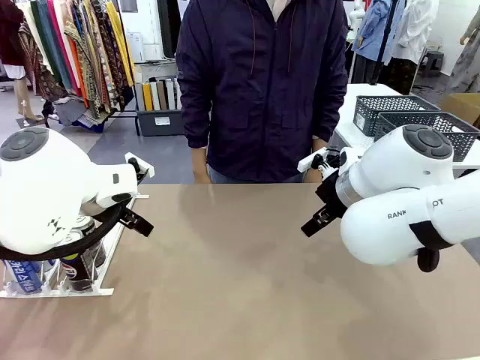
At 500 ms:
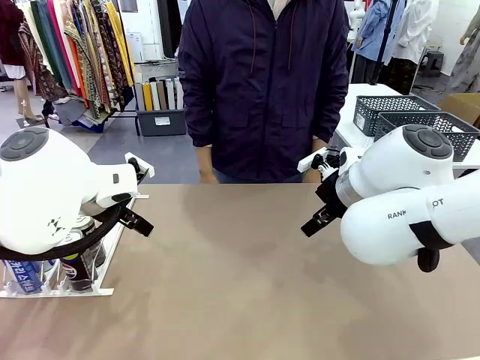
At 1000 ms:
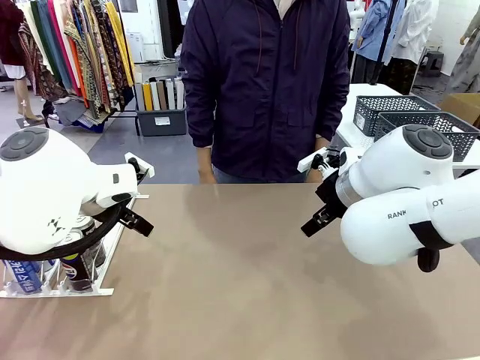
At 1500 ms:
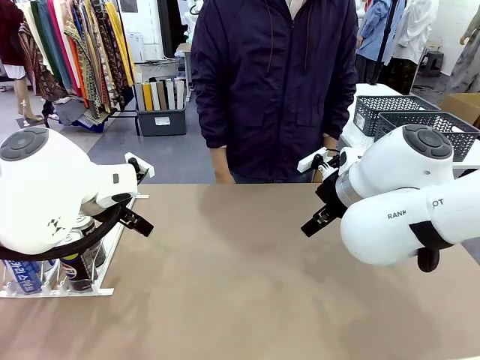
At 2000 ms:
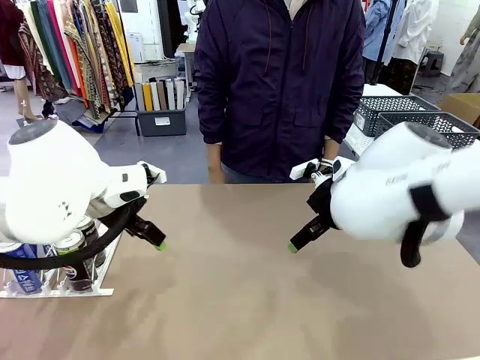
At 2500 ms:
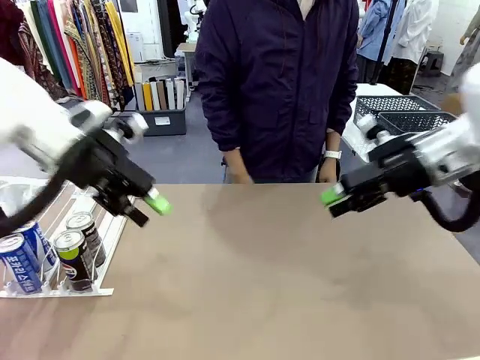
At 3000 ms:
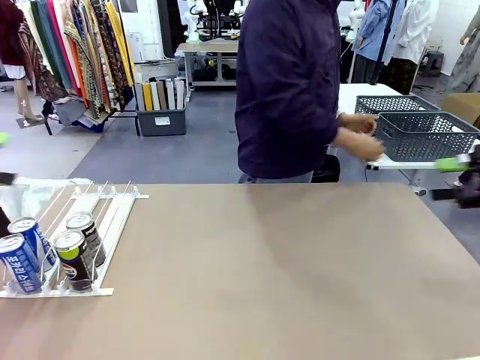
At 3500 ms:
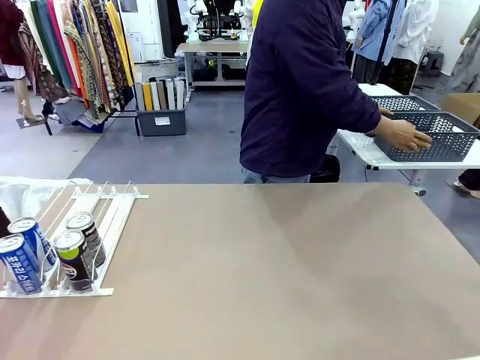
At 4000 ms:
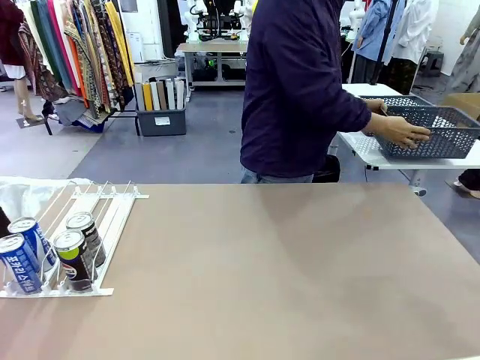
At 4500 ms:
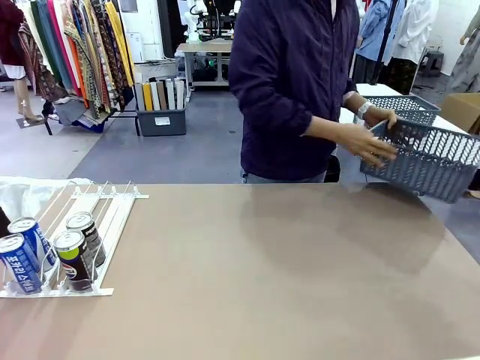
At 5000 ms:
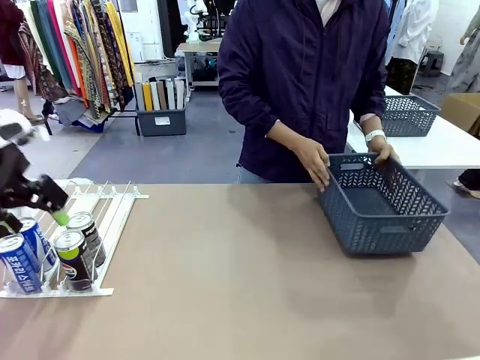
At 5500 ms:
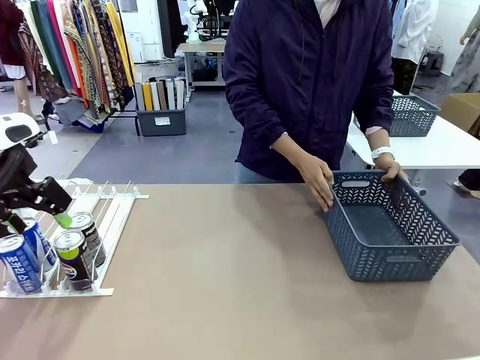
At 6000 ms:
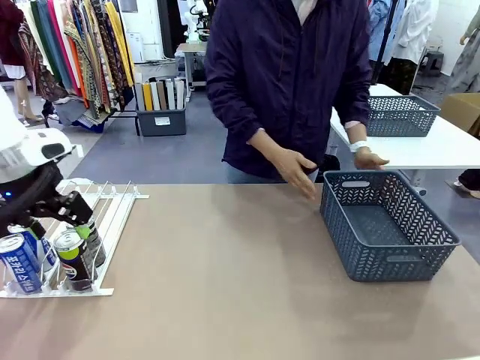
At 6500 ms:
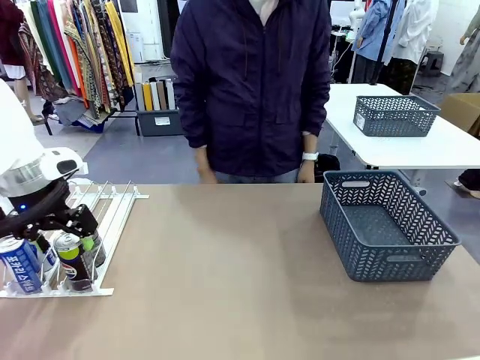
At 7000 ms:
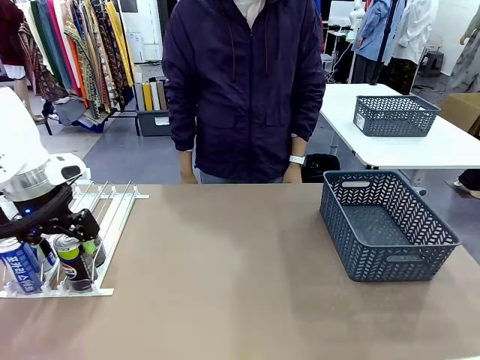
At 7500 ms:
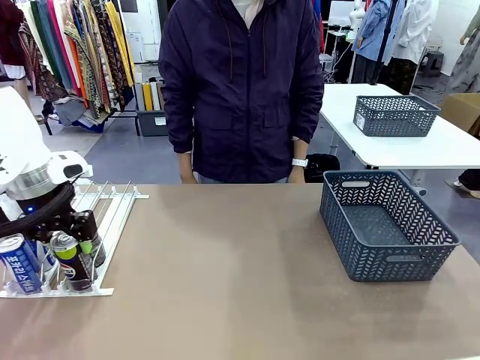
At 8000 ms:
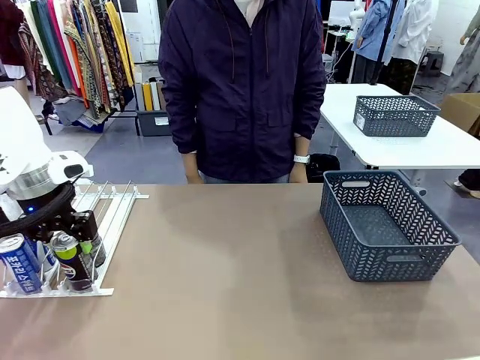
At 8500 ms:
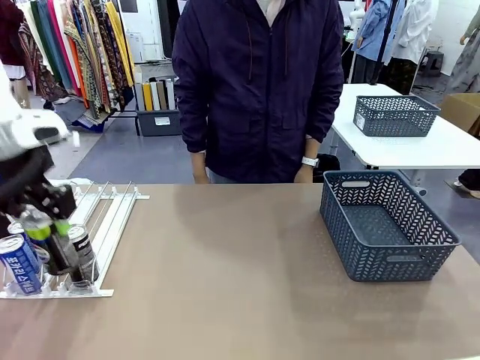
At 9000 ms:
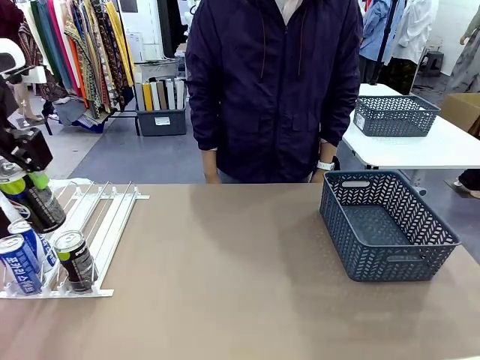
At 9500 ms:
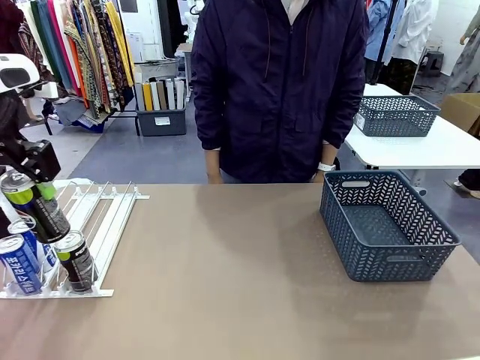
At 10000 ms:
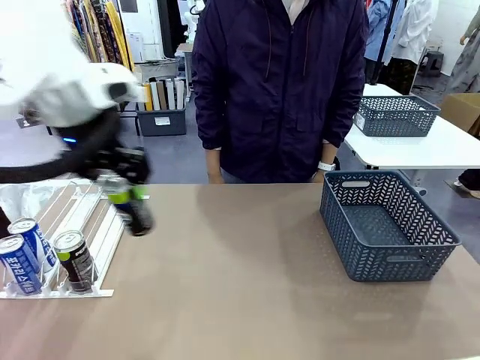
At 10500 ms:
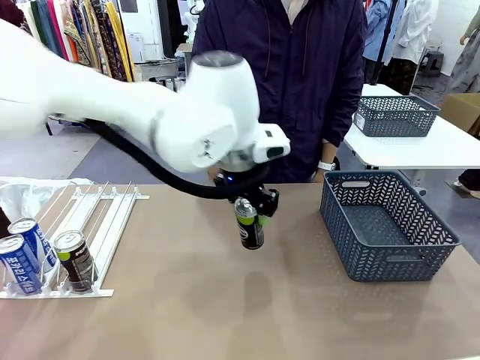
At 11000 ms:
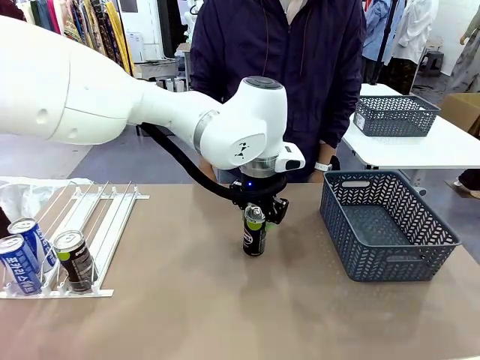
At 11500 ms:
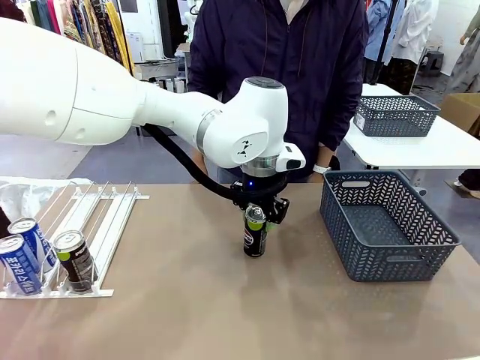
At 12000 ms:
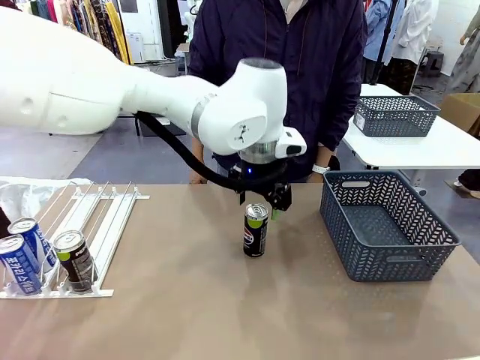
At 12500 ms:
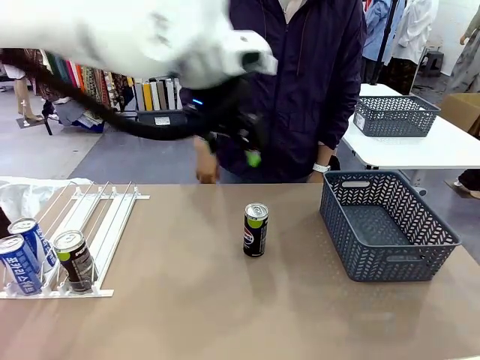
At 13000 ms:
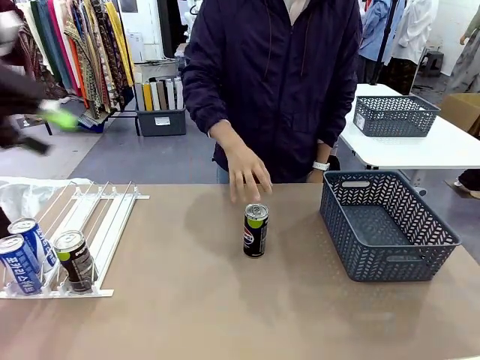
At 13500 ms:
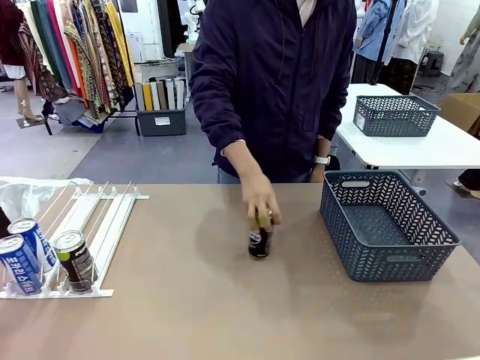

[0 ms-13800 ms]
Task: Retrieve and store the cans from the dispenser.
Robot: Pick up one can from the Automatic Can Dispenser and place it in the middle of the table.
Person: Pick up the basket and place it on the left side of the robot table.

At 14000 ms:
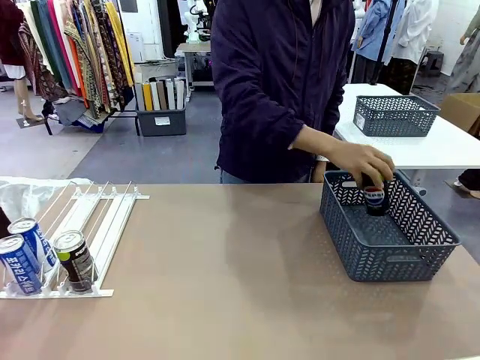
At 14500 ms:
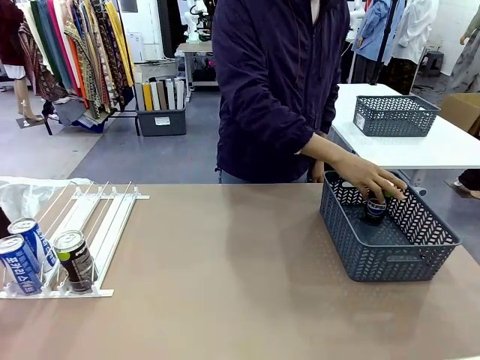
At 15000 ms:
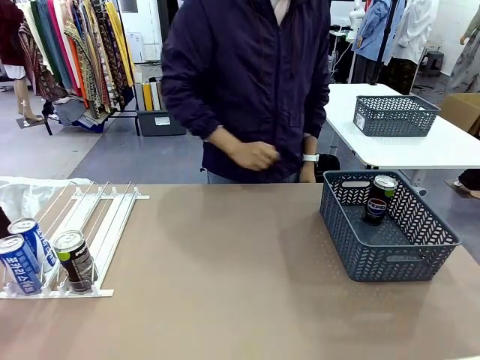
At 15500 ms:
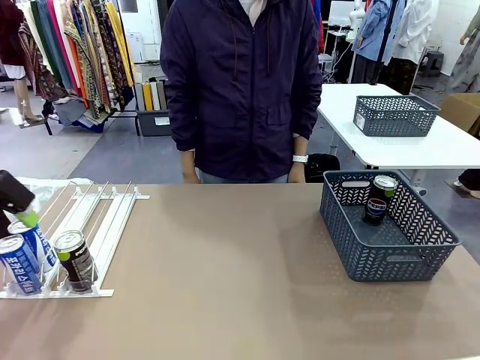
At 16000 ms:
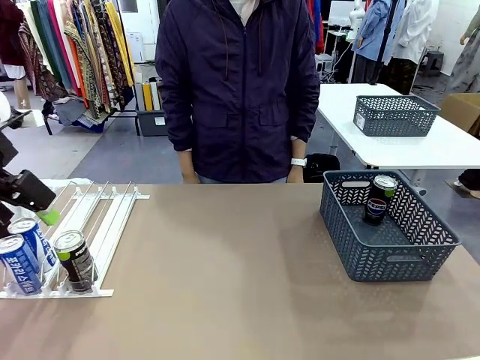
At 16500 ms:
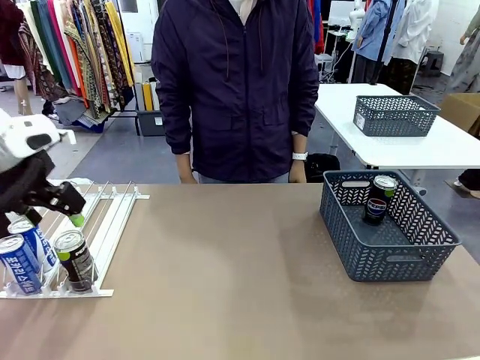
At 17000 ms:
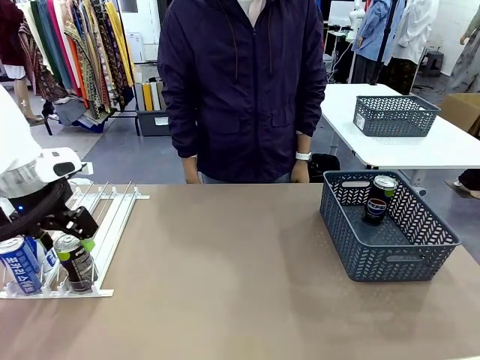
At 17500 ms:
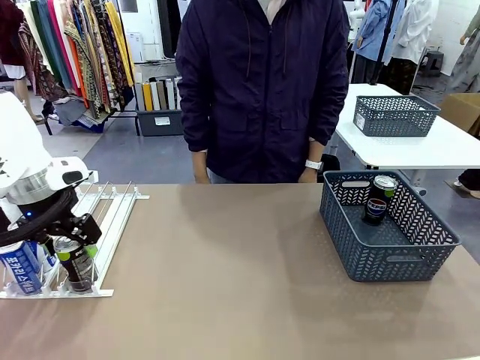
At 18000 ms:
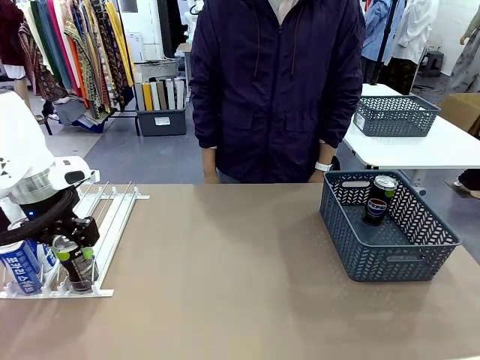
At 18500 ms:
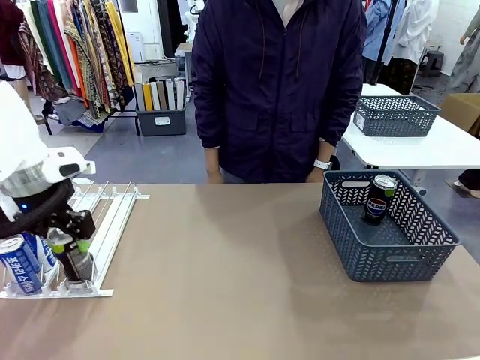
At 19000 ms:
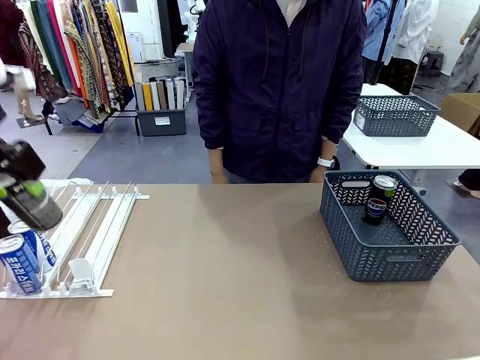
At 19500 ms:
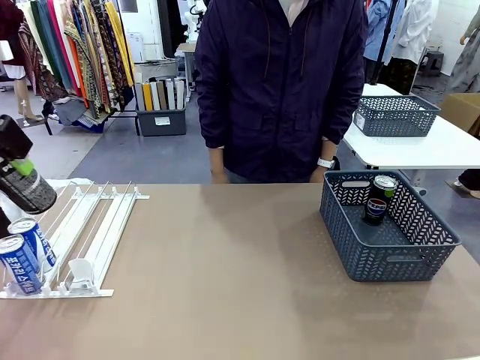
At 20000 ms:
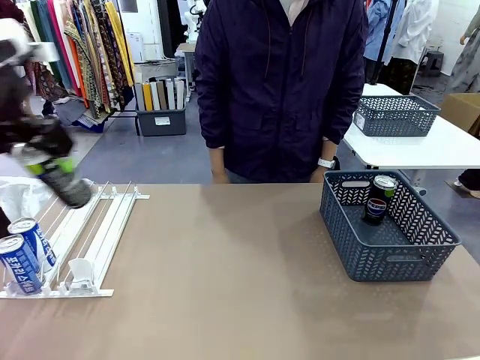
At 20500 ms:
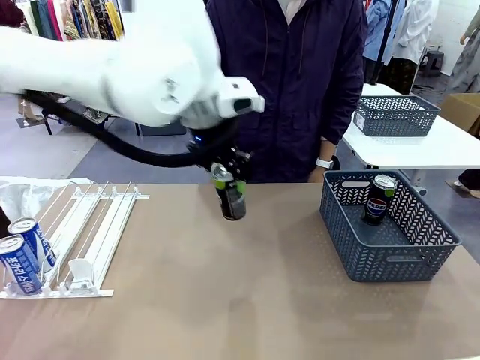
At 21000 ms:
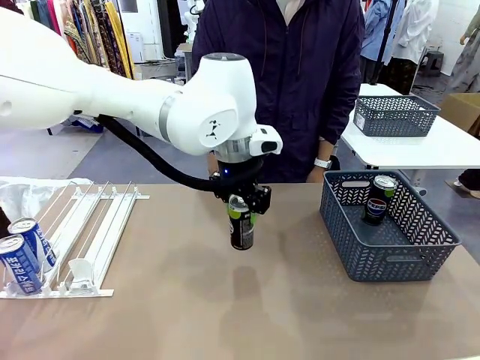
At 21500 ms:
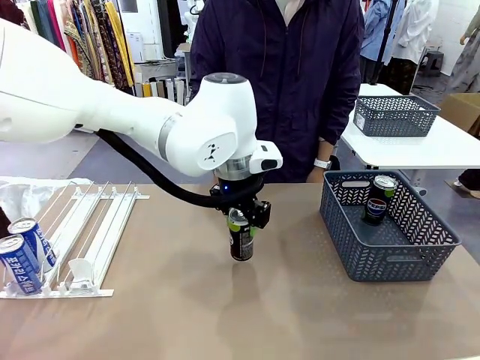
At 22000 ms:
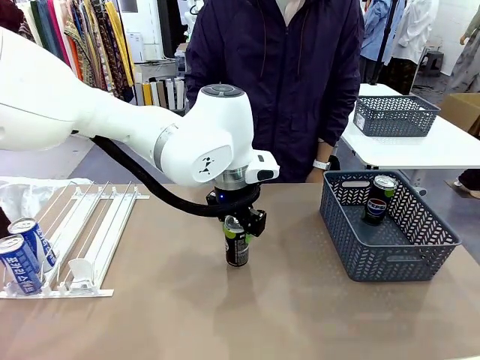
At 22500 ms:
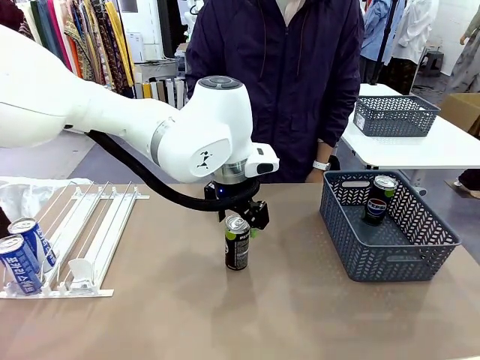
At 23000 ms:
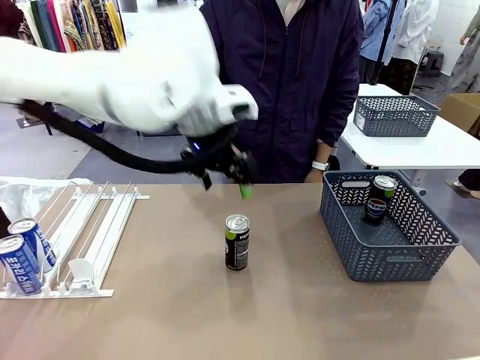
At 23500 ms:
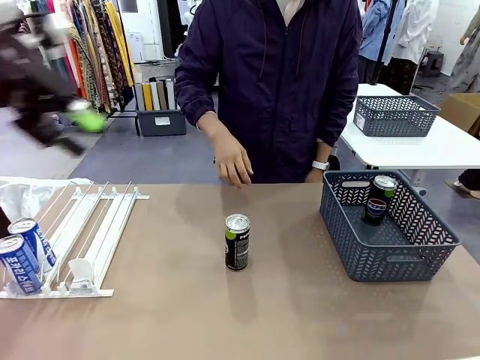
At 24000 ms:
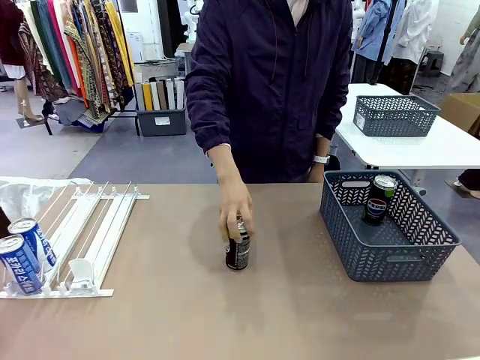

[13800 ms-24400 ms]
Robot: Pick up the last remaining can from one row of the Automatic Can Dispenser and place it in the middle of the table.
Person: Pick up one Pepsi can from the middle of the robot table and place it in the basket.
